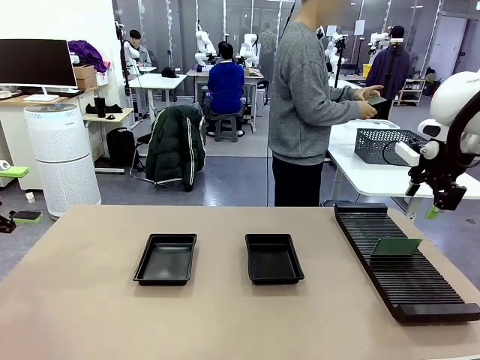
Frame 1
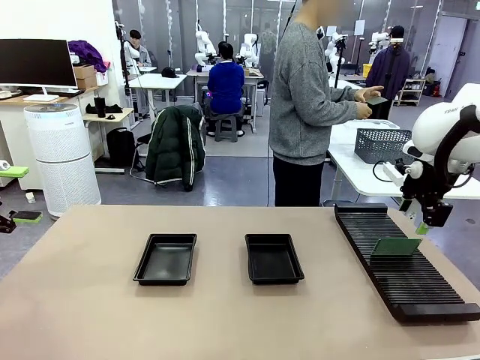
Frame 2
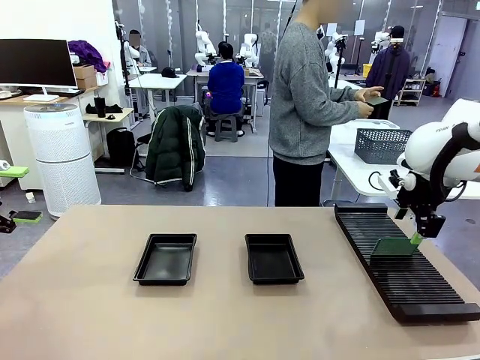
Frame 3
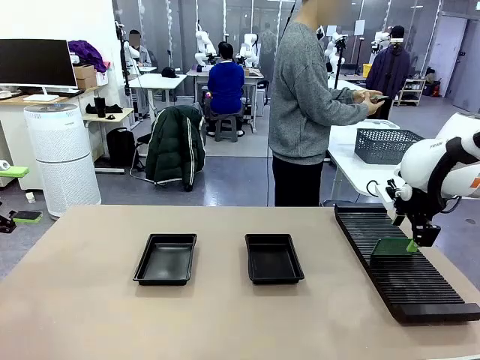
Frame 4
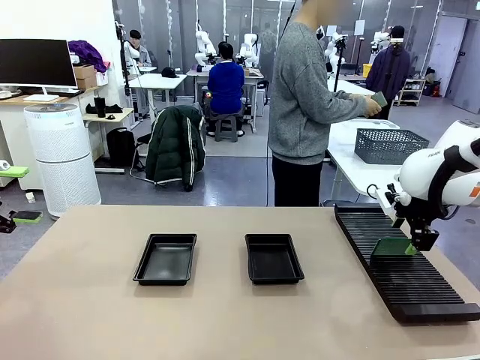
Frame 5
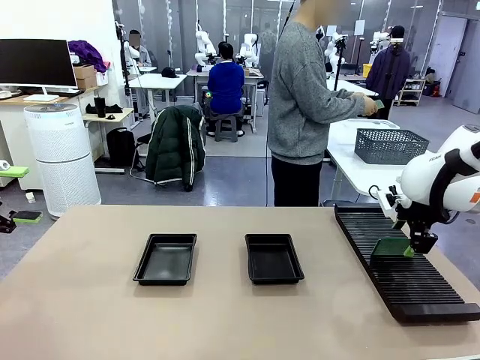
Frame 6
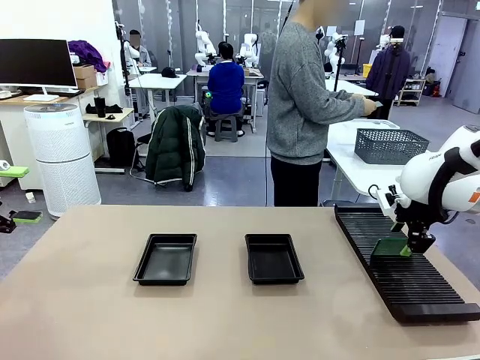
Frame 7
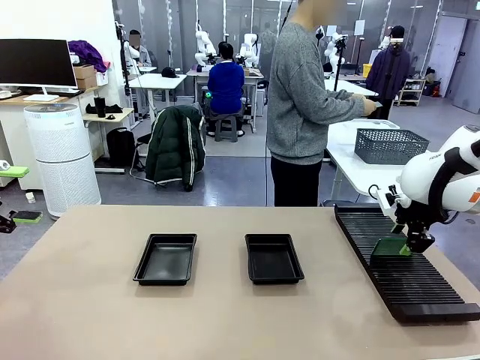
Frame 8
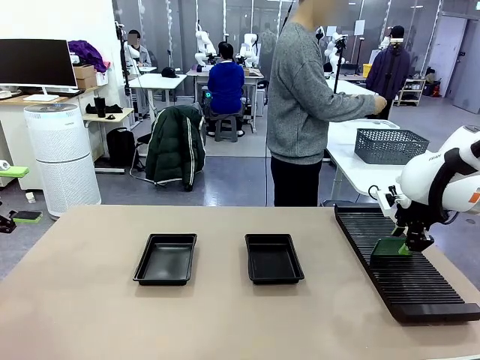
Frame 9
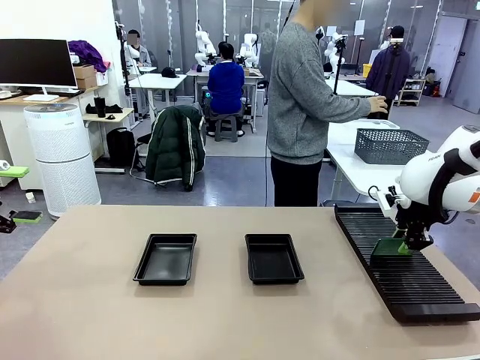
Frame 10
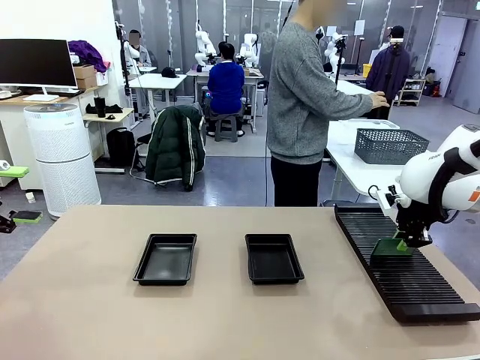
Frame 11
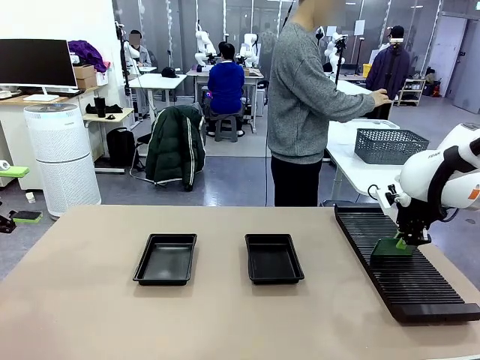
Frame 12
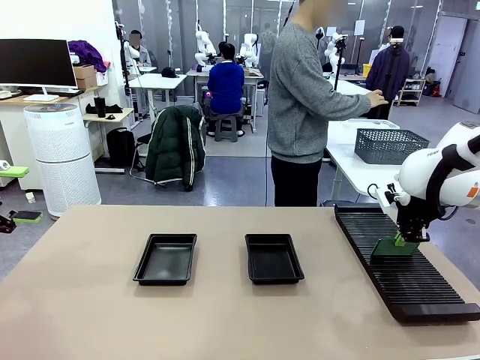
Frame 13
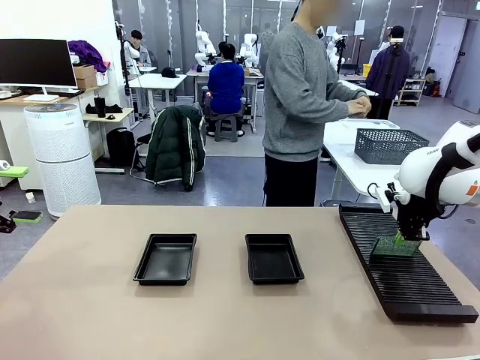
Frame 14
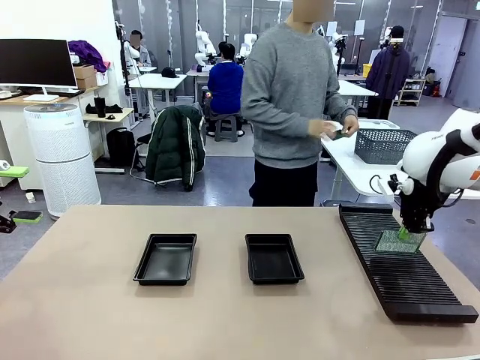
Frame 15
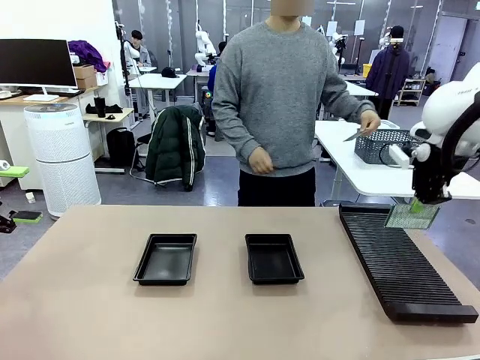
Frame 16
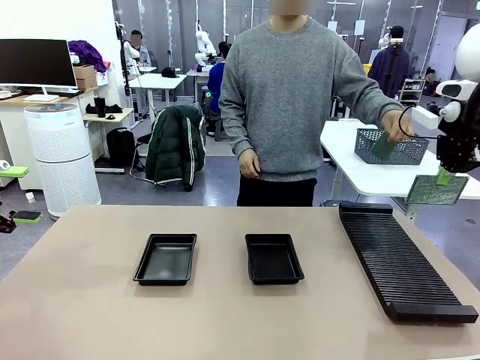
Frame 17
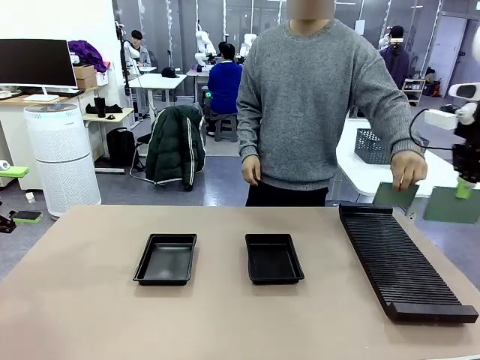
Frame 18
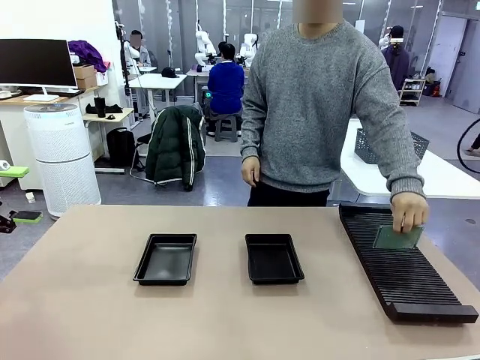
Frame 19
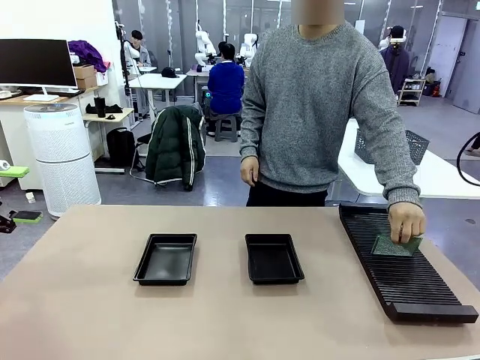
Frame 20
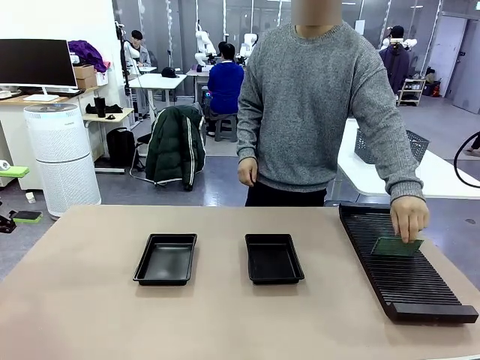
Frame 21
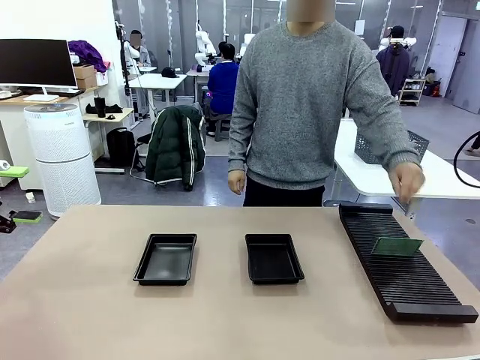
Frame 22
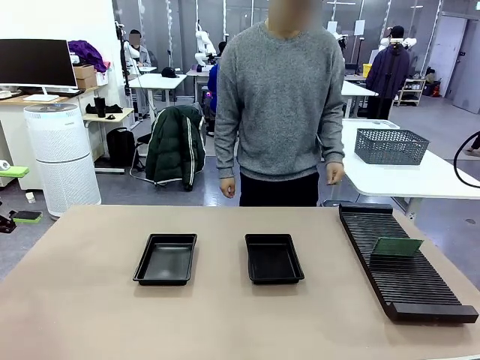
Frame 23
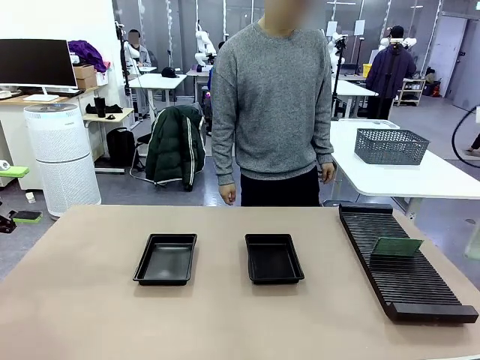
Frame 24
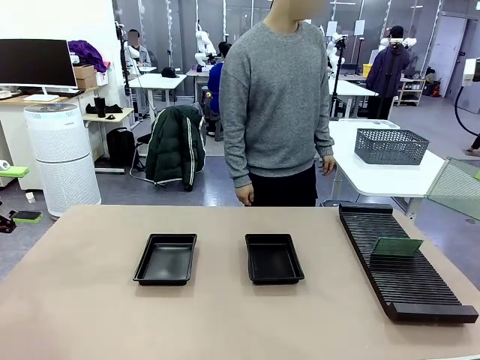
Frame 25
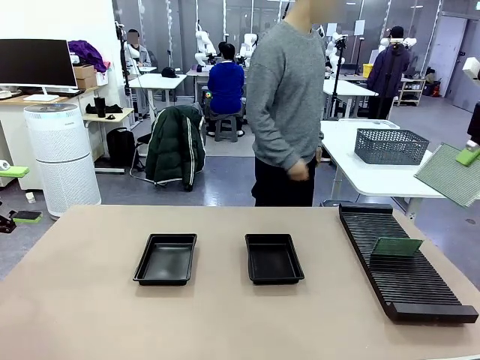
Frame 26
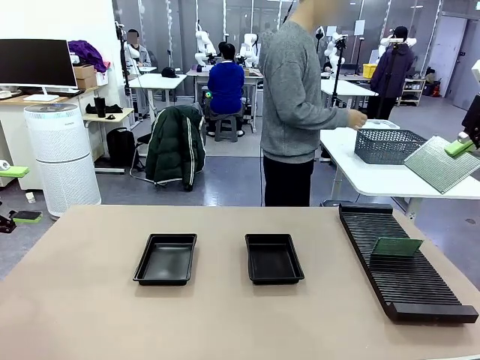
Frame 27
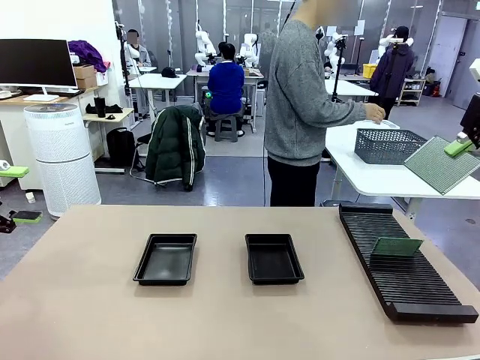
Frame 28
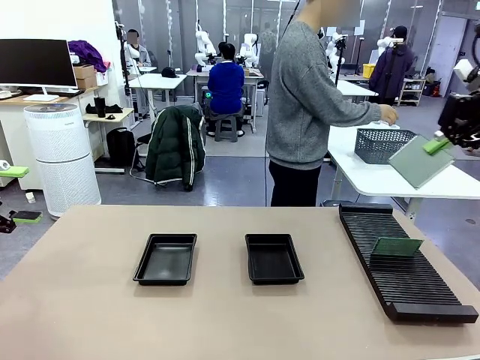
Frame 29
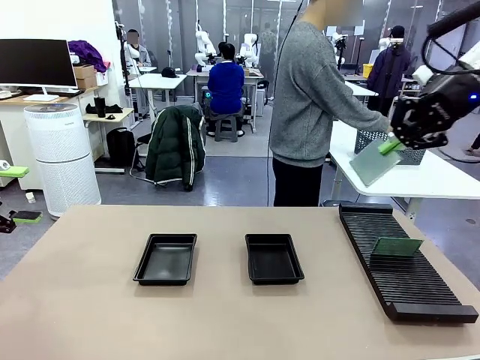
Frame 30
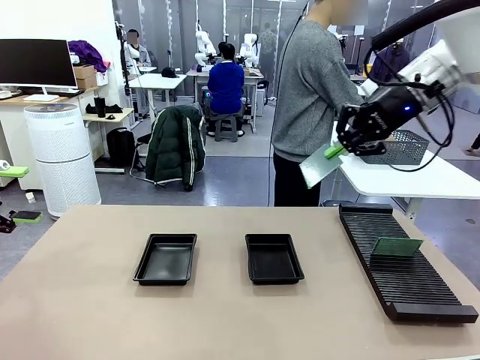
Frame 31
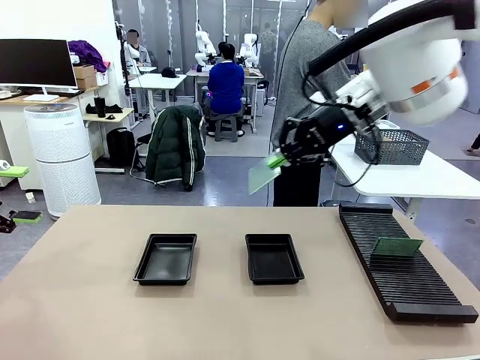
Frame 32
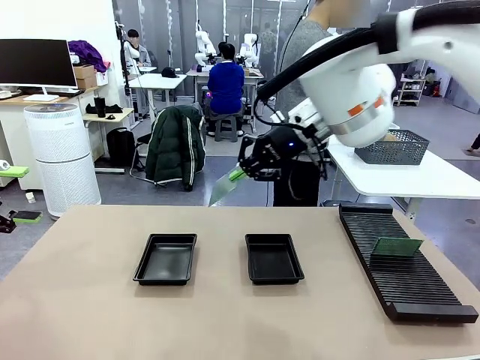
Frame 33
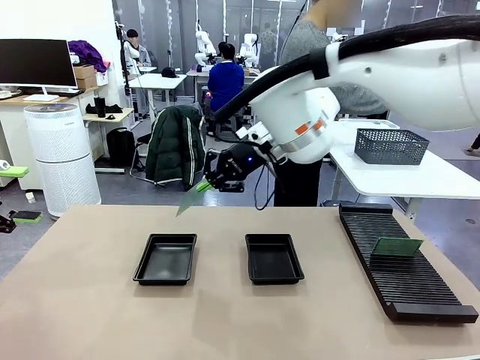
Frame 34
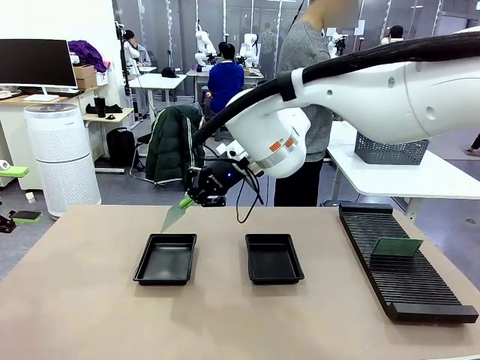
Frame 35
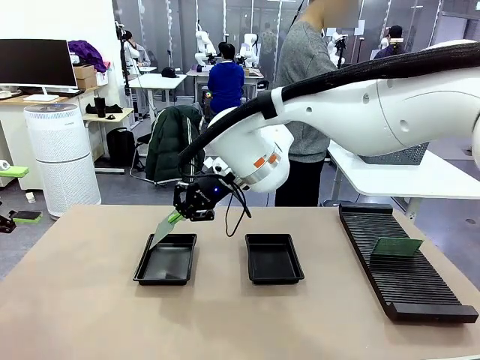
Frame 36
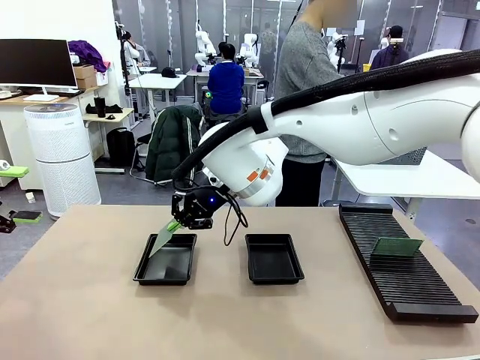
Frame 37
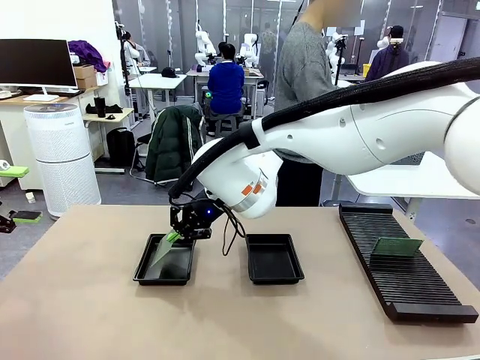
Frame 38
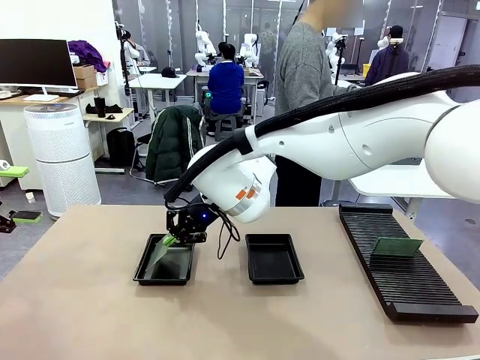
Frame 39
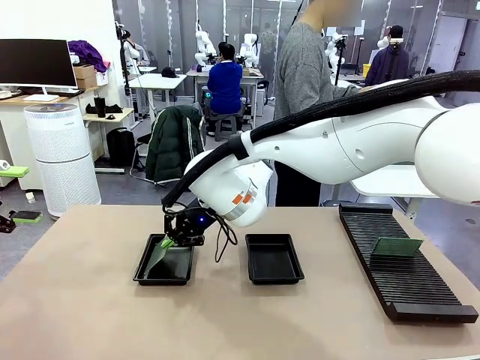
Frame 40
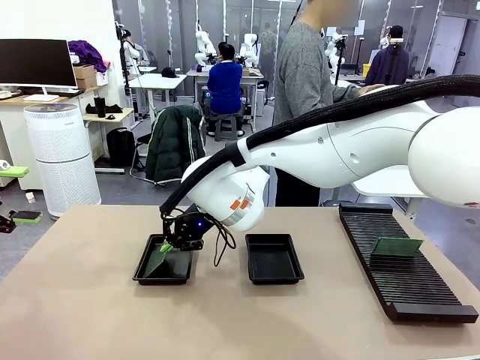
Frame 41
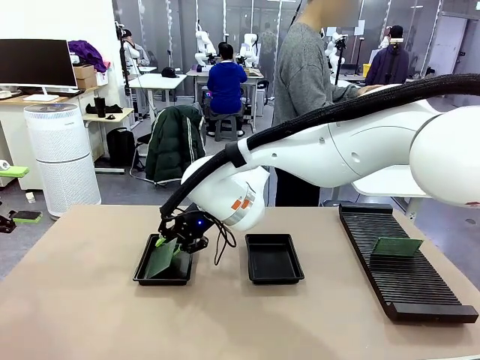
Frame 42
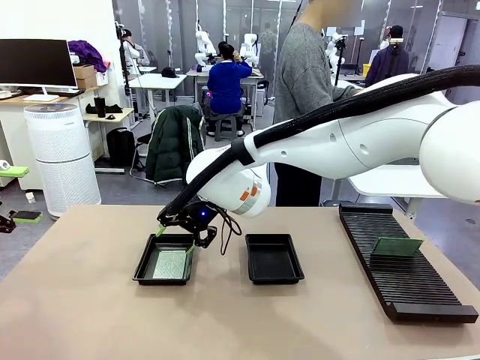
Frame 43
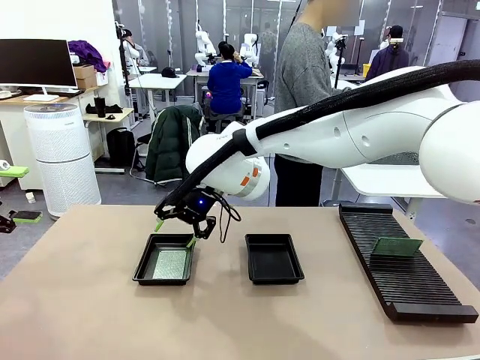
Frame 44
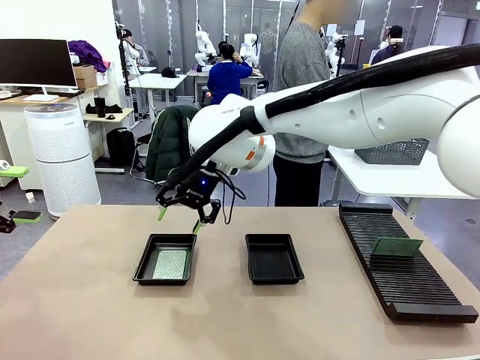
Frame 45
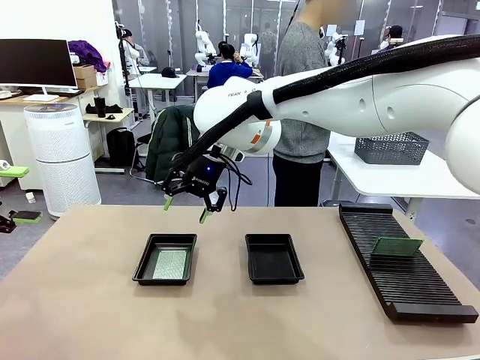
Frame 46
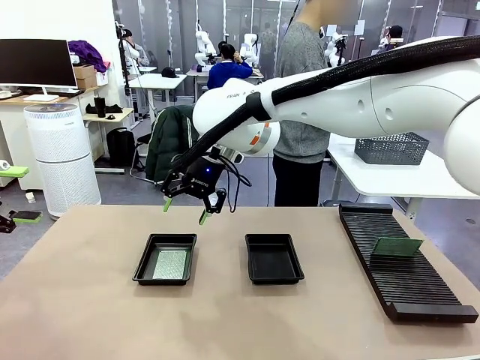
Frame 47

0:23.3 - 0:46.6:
Task: Inspect and transfer BCBs to ESD trays.
Robot: Pick up the Blank PCB from the PCB Rack and place it in the left ESD tray.
